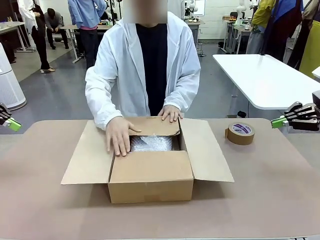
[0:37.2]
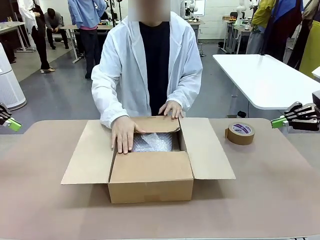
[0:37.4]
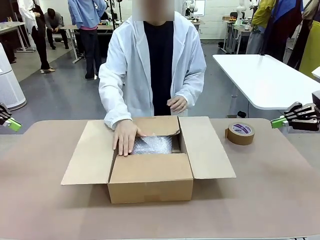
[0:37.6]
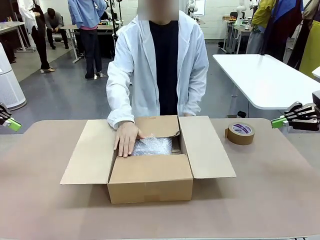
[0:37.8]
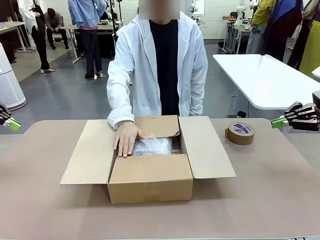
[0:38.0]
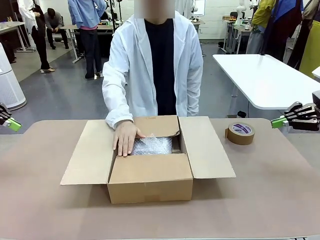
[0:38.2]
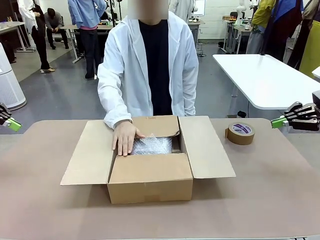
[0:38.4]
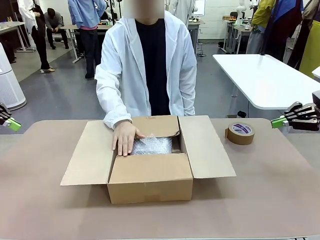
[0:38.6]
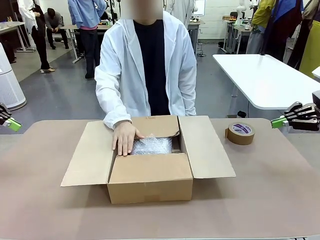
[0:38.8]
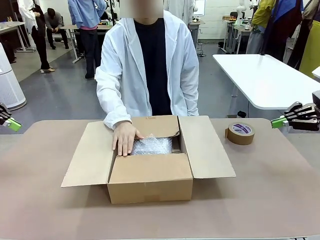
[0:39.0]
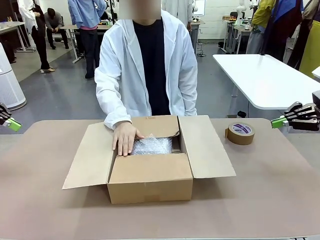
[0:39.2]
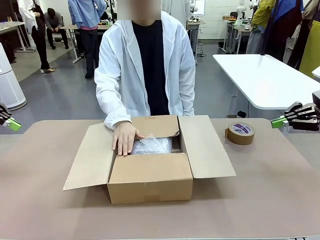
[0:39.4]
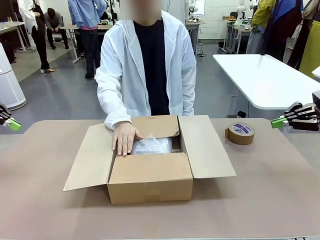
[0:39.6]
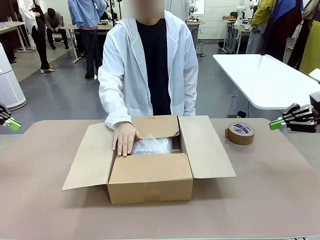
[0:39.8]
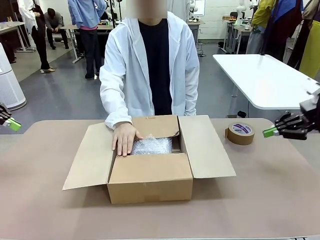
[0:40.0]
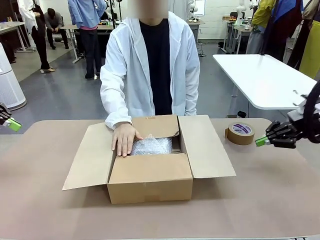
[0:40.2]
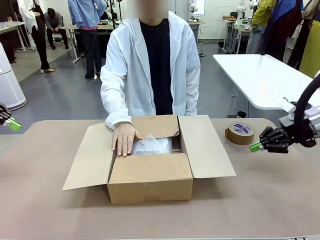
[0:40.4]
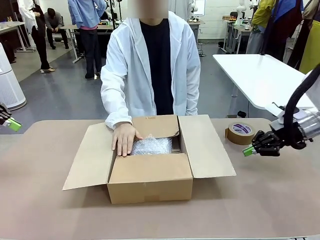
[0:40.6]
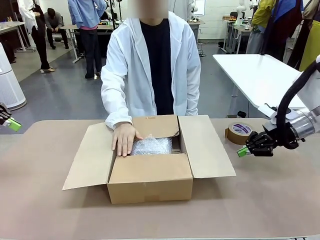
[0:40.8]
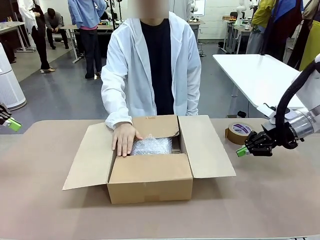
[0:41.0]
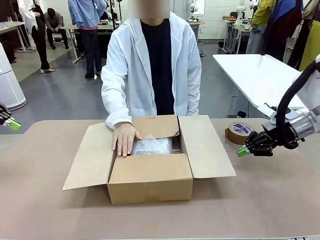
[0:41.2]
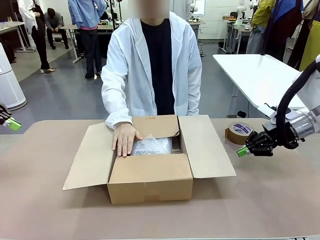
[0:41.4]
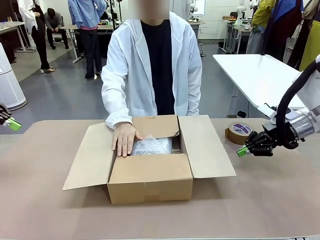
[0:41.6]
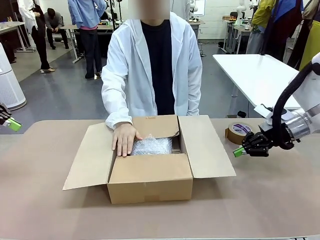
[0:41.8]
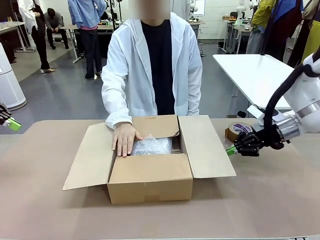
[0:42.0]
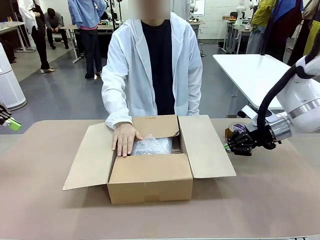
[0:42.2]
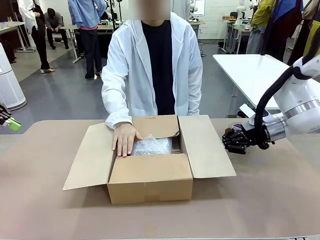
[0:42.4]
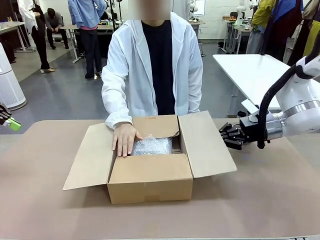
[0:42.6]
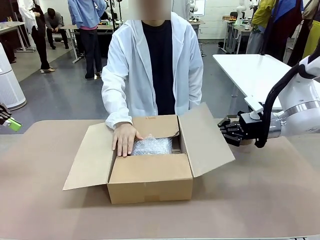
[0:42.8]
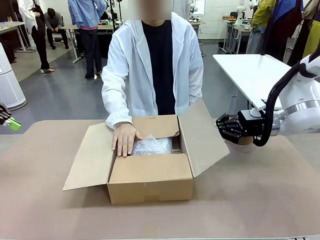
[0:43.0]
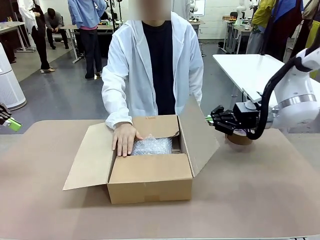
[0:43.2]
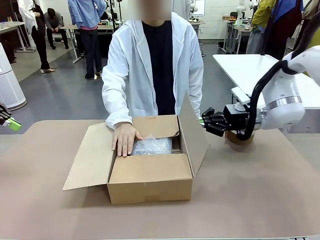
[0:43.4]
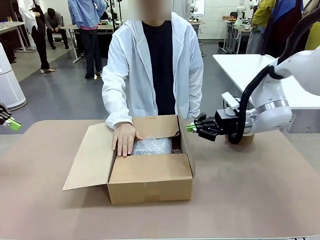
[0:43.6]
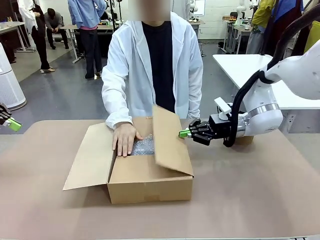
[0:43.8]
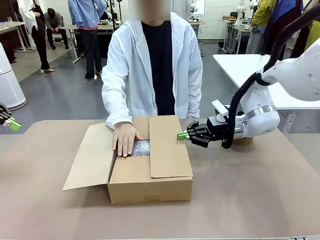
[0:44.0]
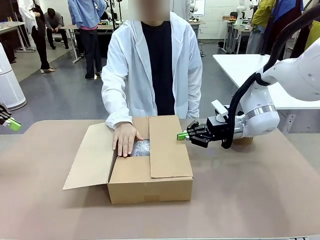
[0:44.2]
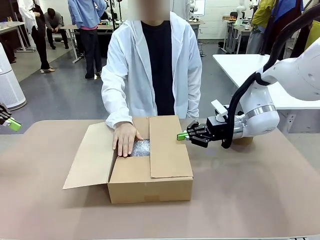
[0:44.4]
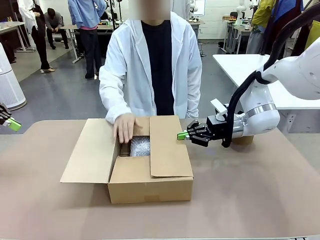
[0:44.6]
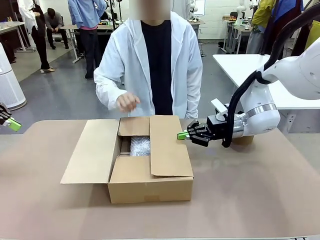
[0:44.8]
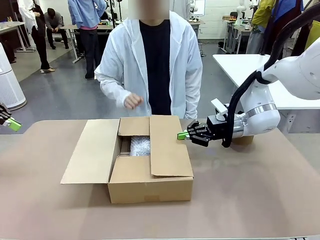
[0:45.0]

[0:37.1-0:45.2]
Task: Wrap the clocks to prevent damage.
Robot: Push the right (or left) flap of the Package Box to close it.
Person: Once the robot closes the right flap of the Package Box , release your left hand from the box.

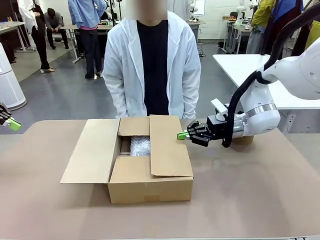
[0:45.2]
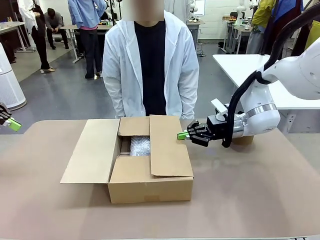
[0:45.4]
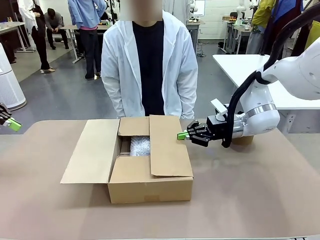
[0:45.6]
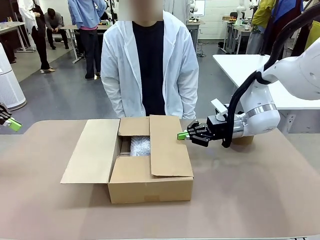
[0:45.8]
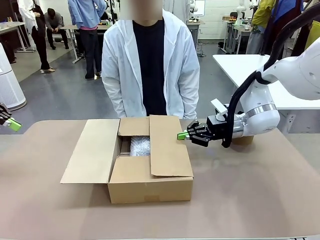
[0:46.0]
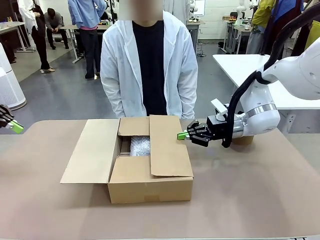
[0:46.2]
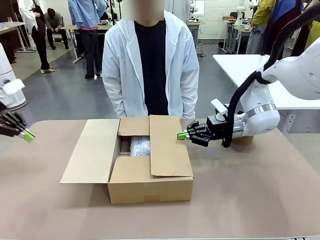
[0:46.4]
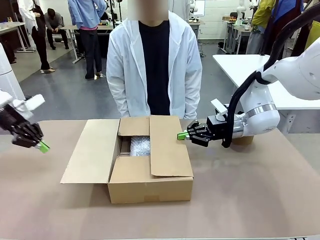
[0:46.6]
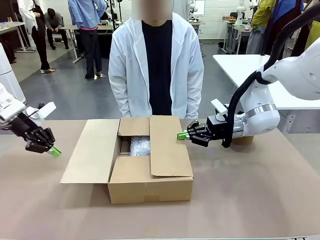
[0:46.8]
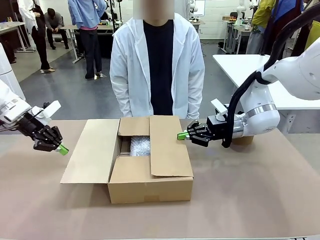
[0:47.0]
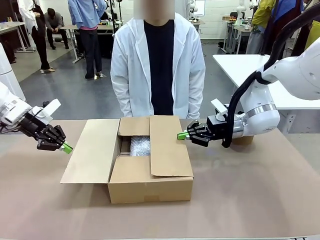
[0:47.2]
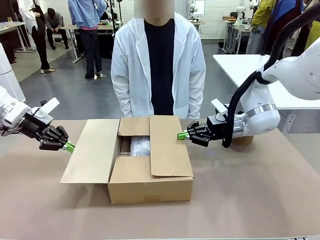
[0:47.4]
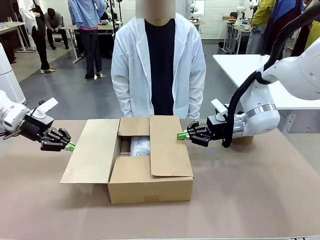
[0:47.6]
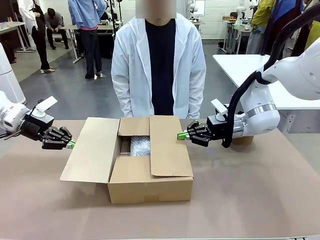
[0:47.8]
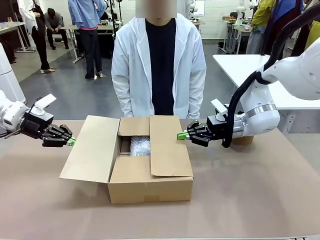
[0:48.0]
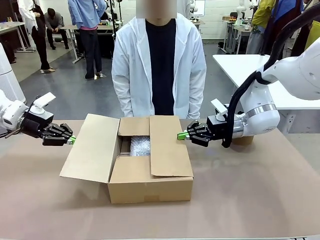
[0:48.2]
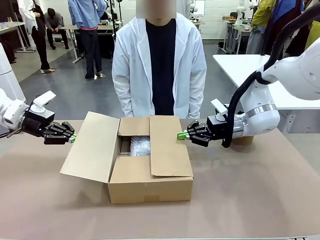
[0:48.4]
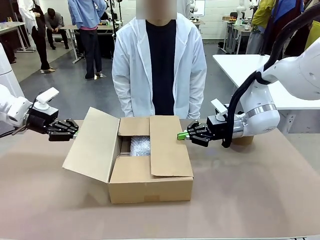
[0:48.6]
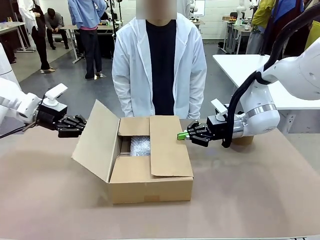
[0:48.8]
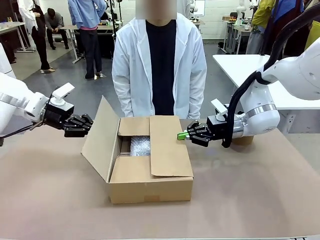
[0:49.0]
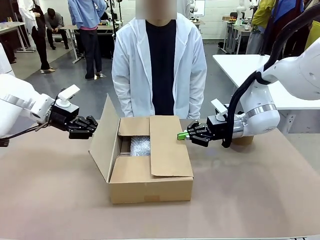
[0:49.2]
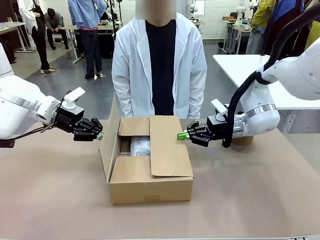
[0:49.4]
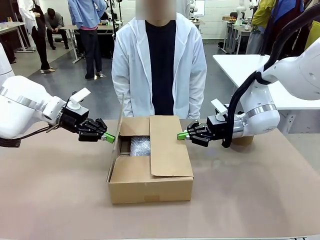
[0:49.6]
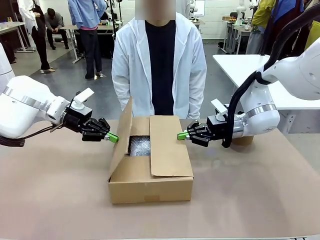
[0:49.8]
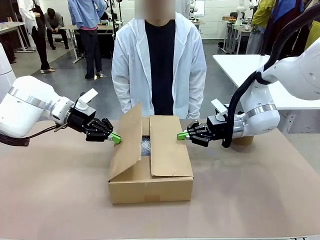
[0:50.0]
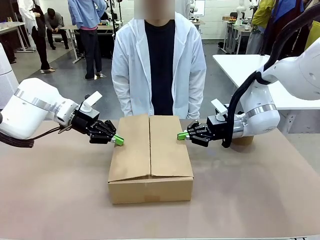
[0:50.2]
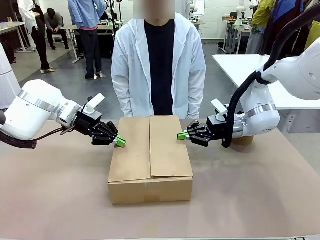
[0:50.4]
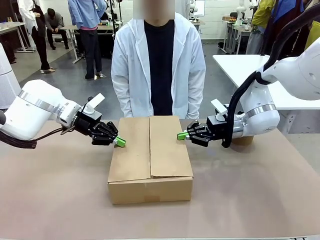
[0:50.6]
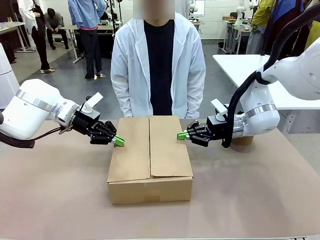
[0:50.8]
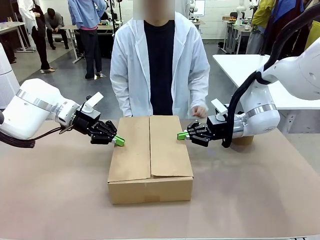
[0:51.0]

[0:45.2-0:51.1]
Robot: Push the left (or right) flap of the Package Box to close it.
